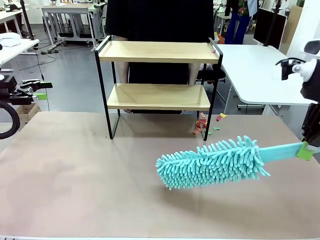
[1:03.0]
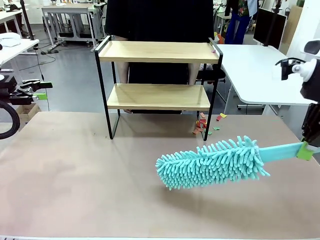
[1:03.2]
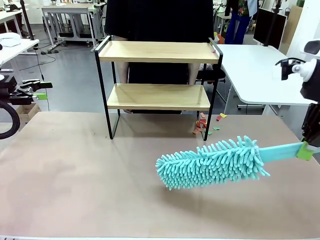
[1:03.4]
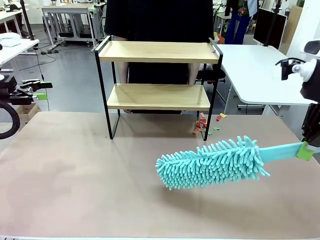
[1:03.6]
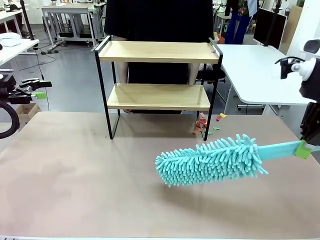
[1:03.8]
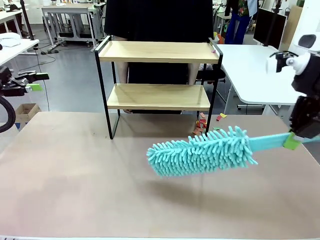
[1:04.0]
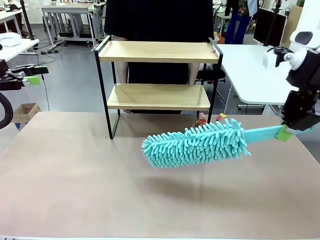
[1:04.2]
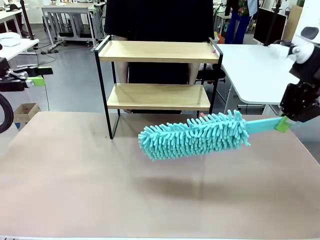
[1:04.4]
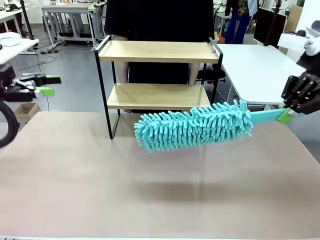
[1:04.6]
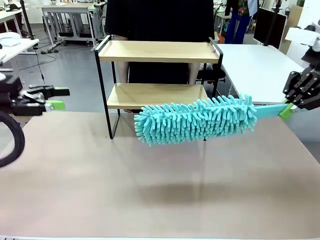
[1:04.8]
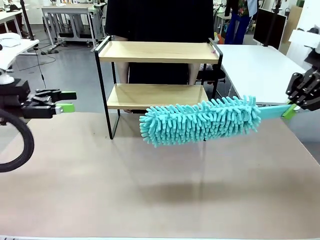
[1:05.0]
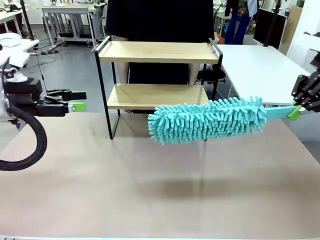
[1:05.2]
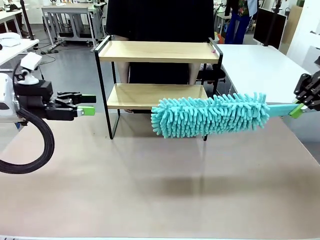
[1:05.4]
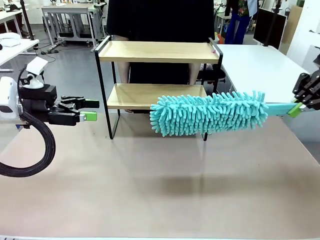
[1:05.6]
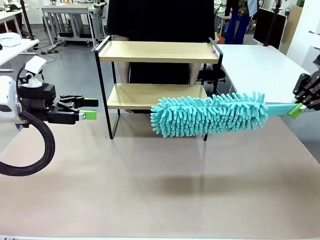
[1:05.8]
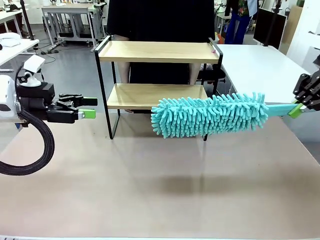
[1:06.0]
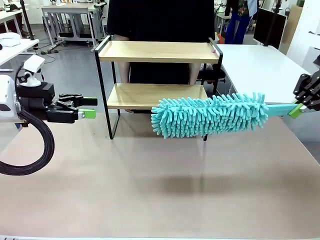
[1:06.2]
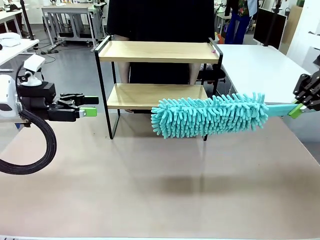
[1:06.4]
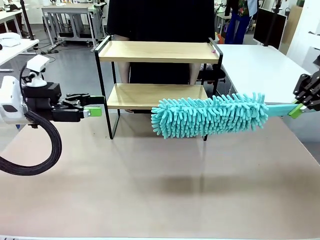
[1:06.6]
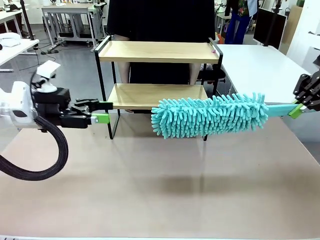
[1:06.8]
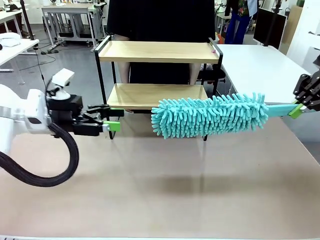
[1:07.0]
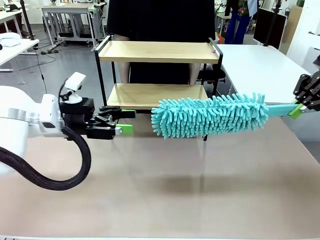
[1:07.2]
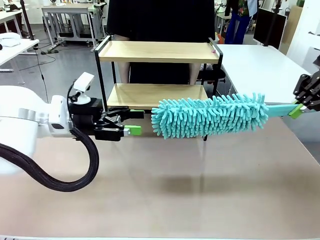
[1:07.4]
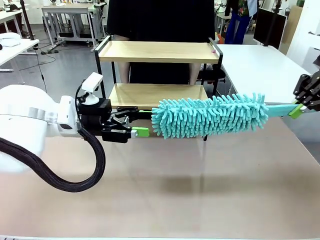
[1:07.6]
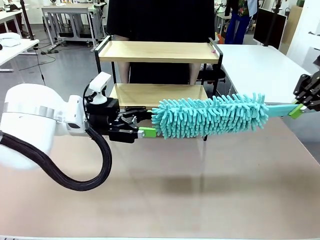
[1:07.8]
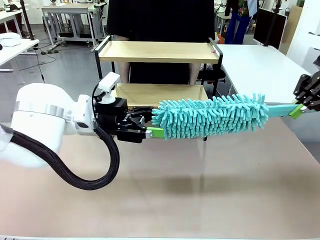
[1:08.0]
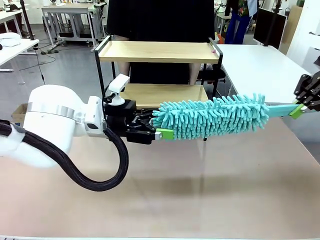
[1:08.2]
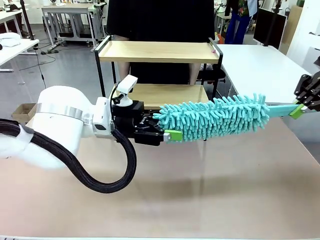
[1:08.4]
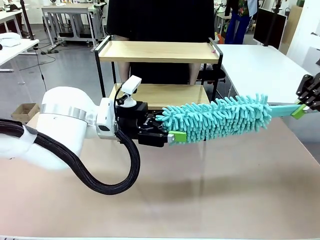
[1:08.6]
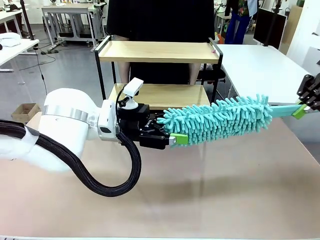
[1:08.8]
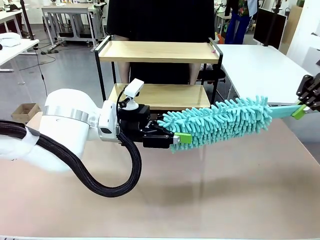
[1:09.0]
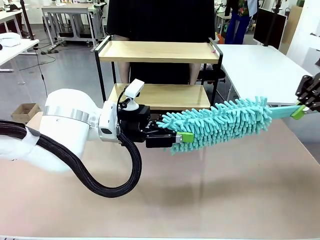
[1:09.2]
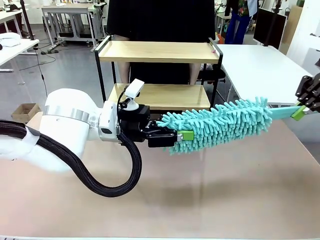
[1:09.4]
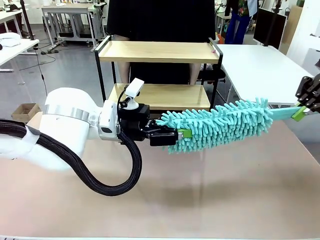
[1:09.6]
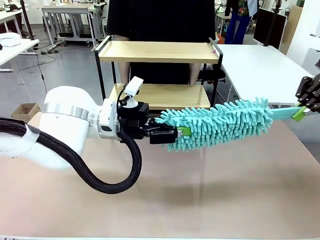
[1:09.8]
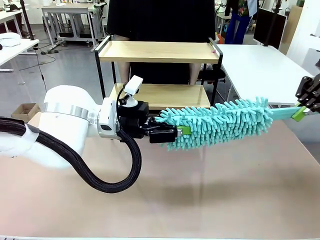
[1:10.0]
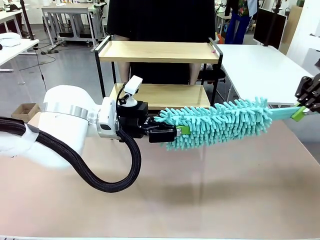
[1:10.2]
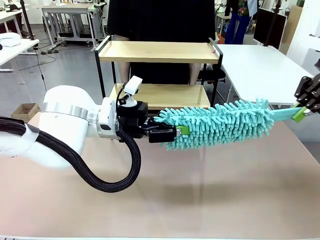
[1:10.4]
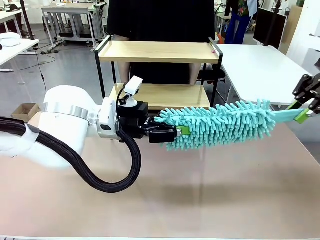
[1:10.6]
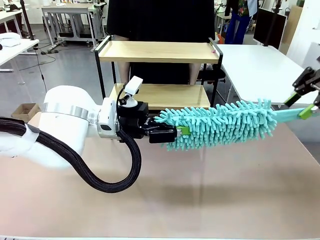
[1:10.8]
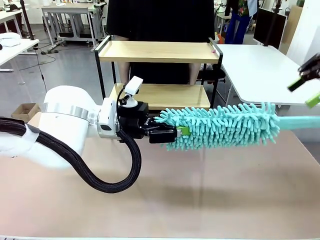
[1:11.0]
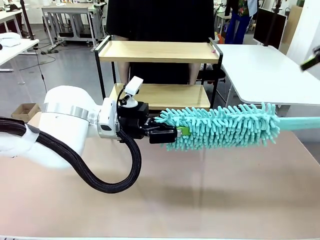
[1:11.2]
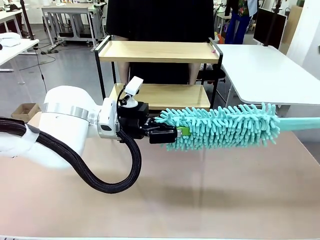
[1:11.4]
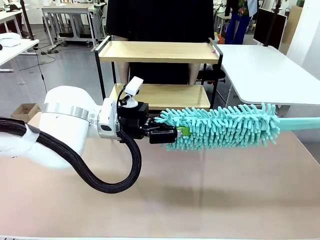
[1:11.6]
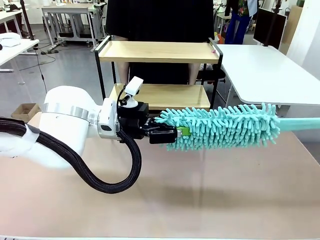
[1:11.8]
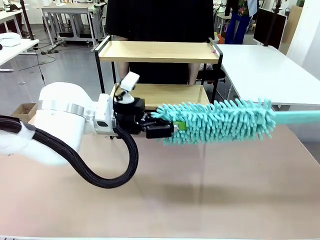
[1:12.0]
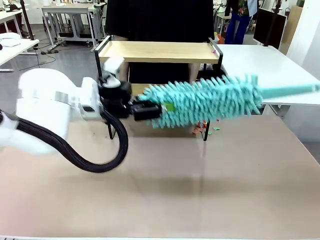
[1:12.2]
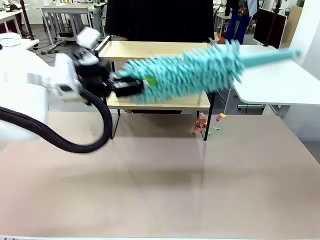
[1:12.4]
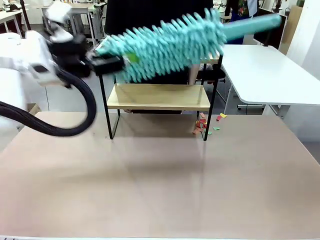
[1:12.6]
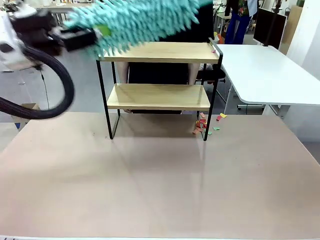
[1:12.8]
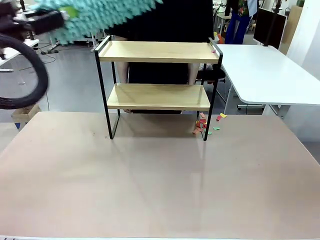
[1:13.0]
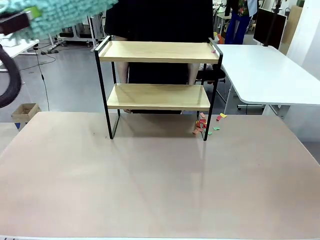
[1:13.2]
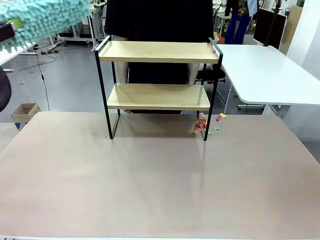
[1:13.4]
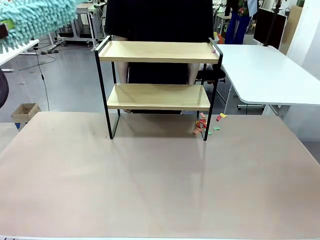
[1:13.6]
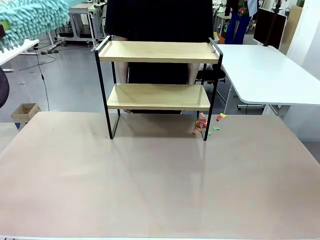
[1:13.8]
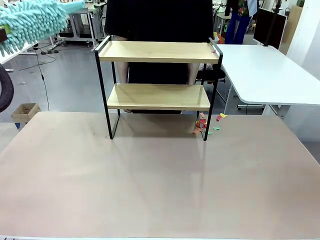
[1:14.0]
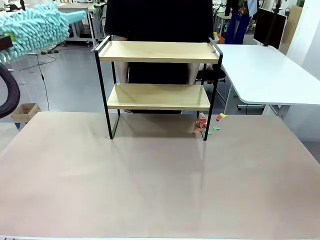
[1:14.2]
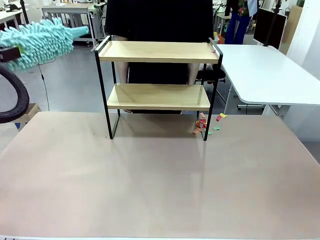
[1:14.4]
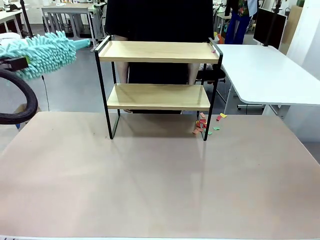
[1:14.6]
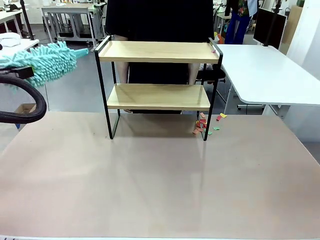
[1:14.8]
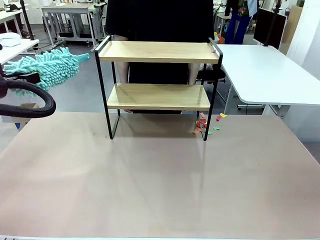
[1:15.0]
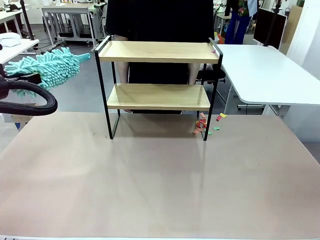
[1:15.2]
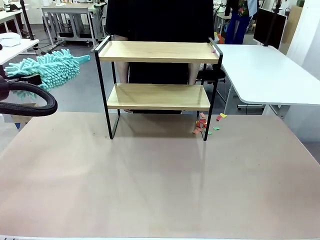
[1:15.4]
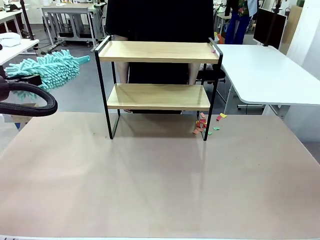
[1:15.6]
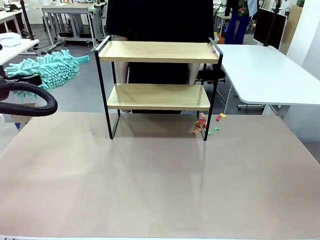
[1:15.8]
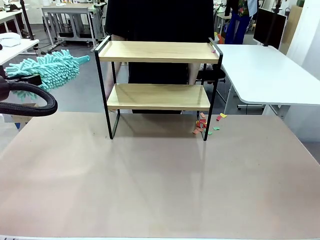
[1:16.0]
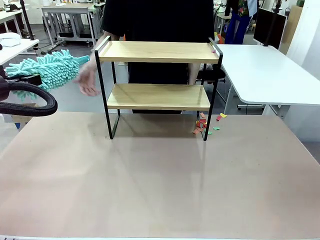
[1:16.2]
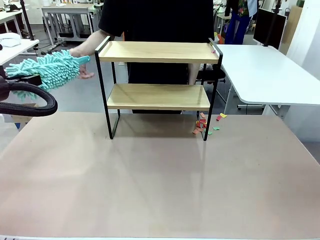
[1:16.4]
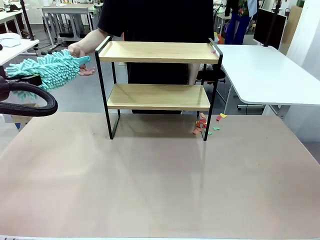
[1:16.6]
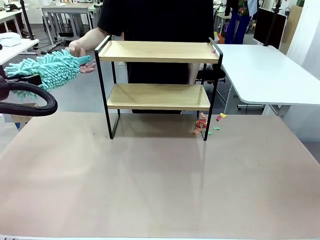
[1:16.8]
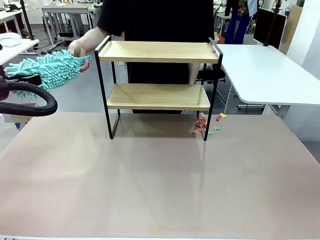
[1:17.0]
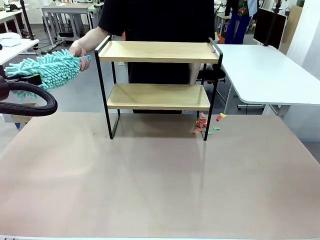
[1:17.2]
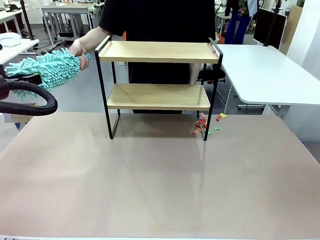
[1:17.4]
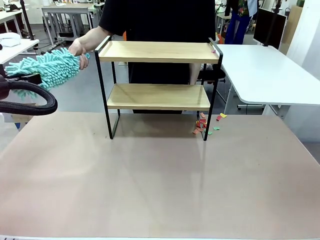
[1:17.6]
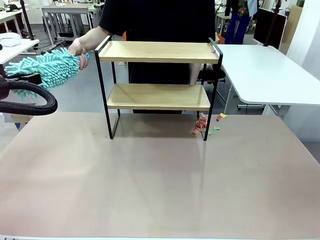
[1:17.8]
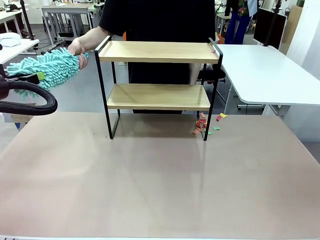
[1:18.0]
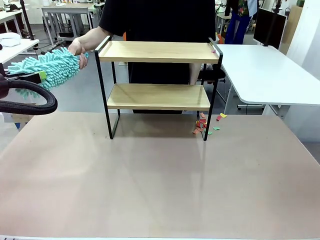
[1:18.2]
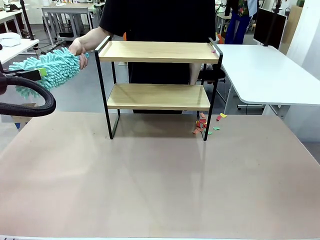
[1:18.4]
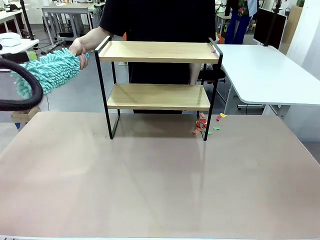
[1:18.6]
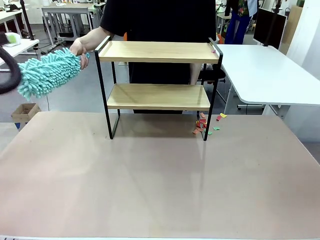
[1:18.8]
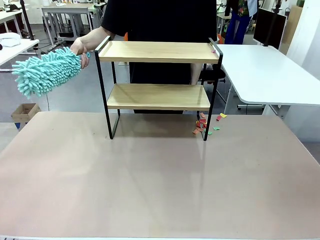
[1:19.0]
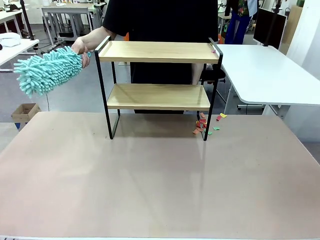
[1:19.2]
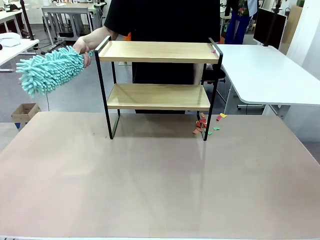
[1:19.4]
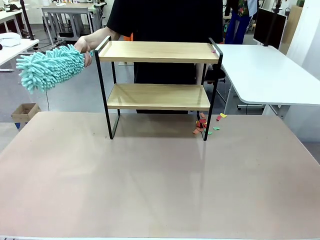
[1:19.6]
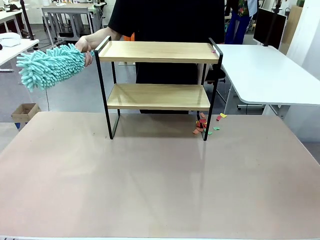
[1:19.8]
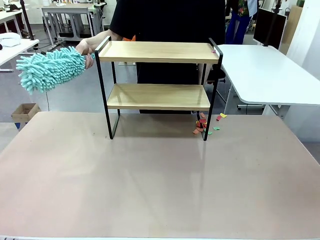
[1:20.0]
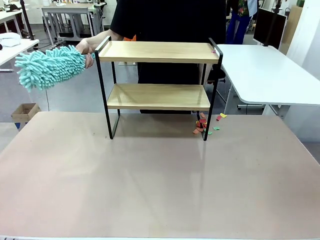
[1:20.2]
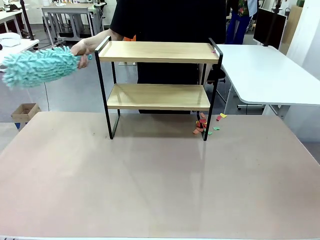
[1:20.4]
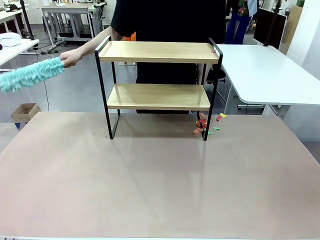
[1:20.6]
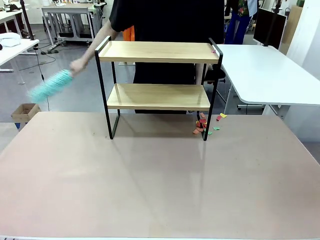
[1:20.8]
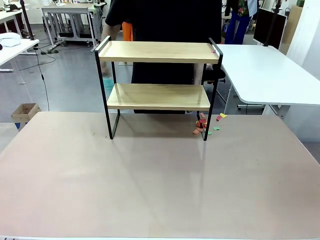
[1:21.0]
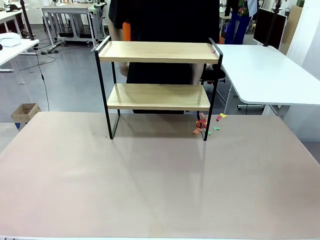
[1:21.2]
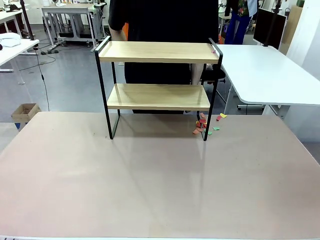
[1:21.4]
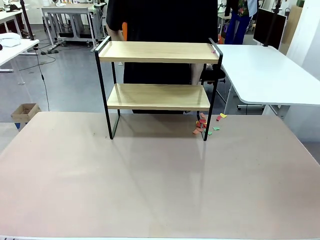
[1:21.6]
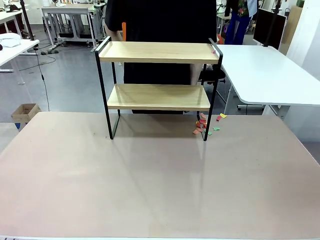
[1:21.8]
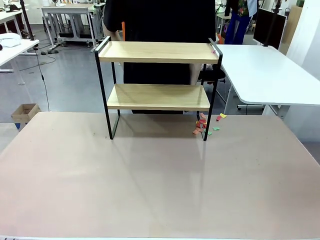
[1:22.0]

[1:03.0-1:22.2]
Task: Clean the shelf.
Robot: Hand the Duster back to the human.
Person: Receive the Duster from the robot.
